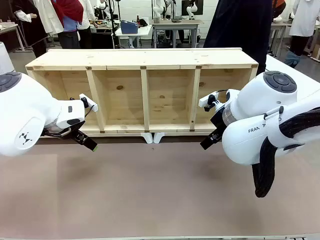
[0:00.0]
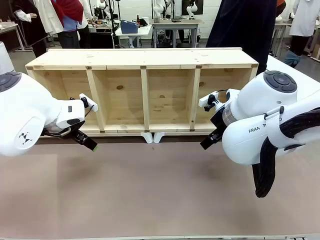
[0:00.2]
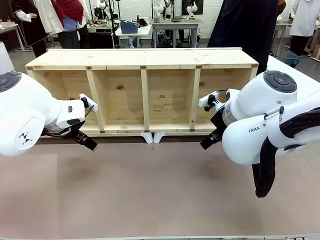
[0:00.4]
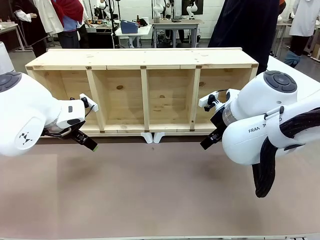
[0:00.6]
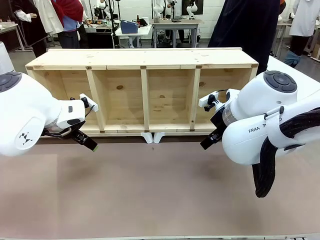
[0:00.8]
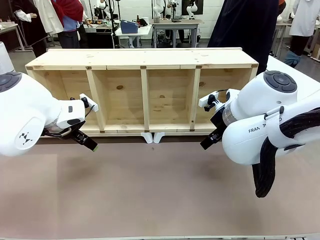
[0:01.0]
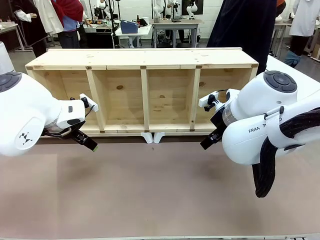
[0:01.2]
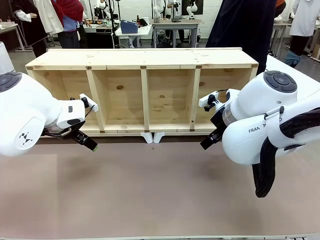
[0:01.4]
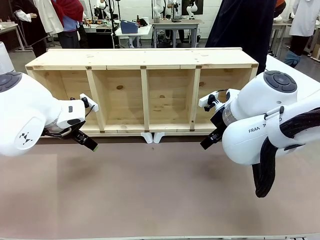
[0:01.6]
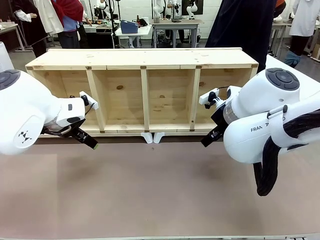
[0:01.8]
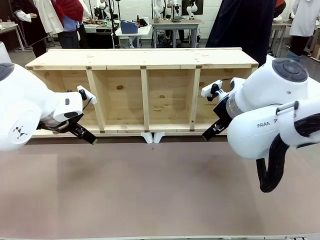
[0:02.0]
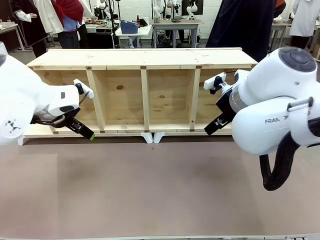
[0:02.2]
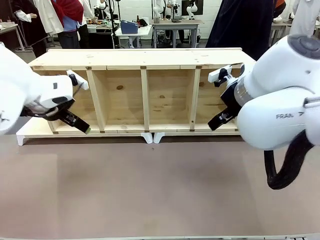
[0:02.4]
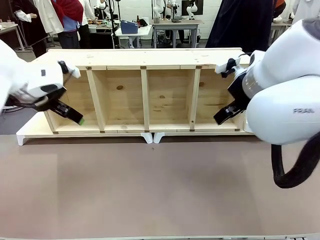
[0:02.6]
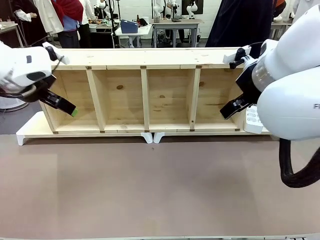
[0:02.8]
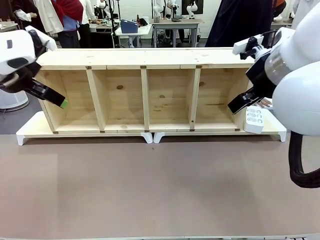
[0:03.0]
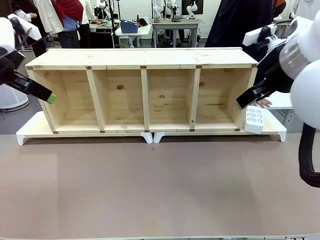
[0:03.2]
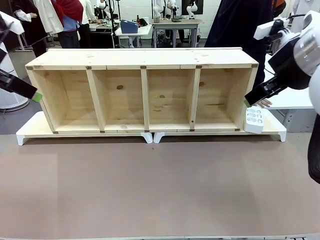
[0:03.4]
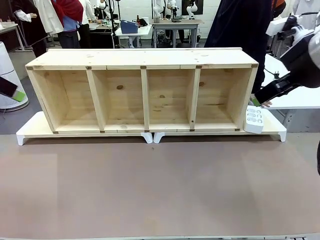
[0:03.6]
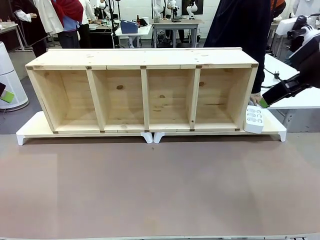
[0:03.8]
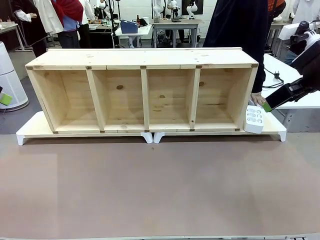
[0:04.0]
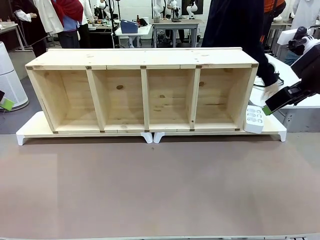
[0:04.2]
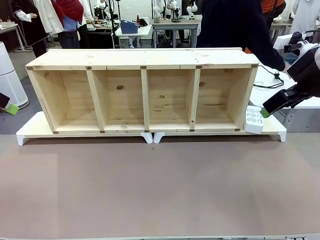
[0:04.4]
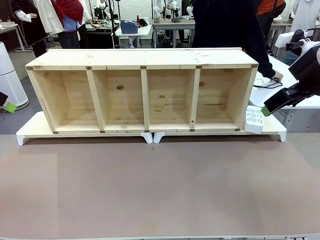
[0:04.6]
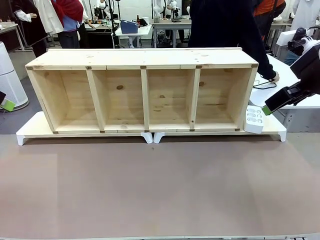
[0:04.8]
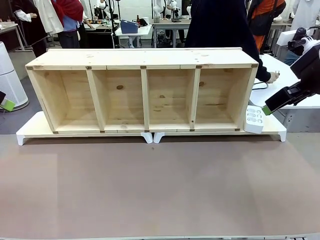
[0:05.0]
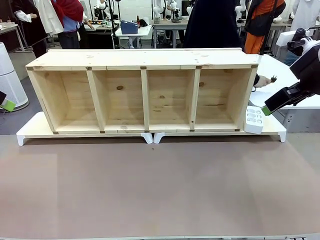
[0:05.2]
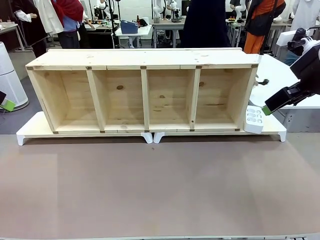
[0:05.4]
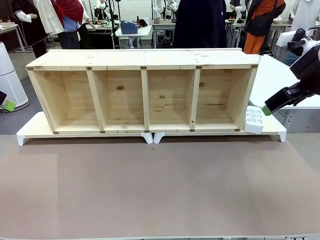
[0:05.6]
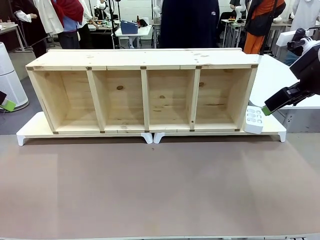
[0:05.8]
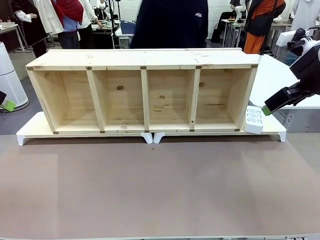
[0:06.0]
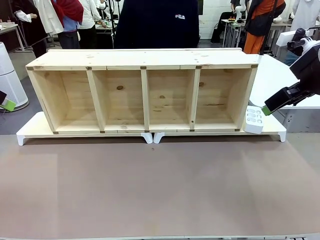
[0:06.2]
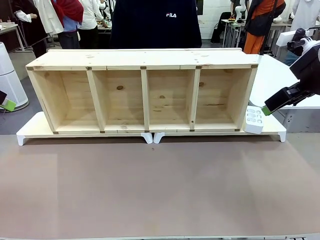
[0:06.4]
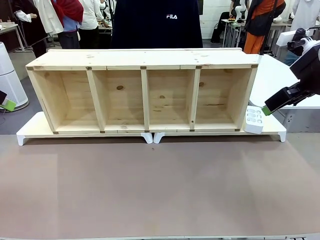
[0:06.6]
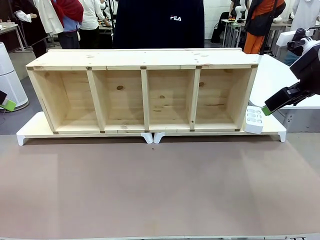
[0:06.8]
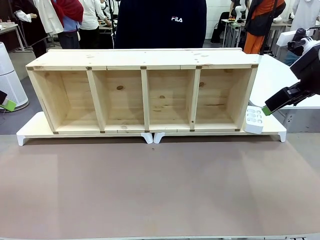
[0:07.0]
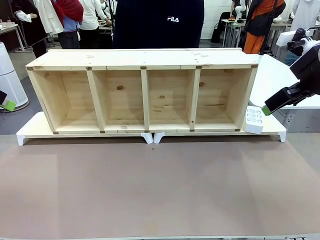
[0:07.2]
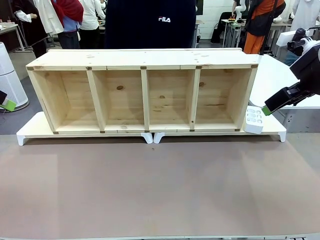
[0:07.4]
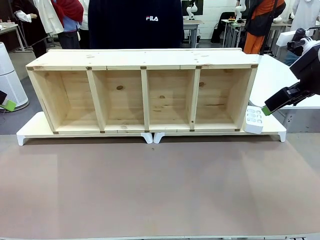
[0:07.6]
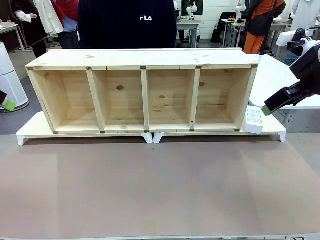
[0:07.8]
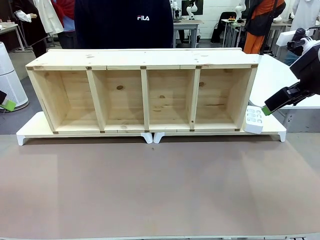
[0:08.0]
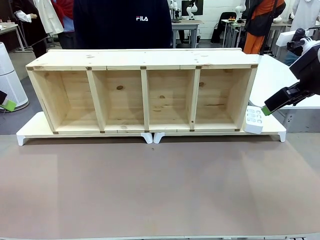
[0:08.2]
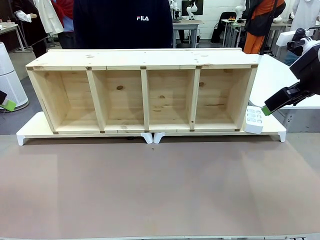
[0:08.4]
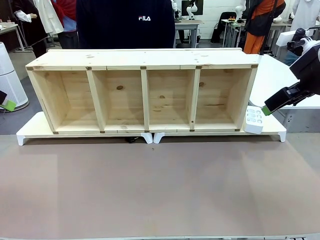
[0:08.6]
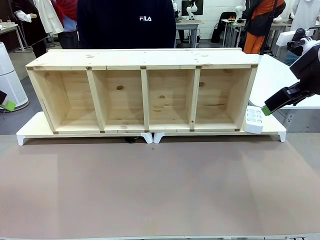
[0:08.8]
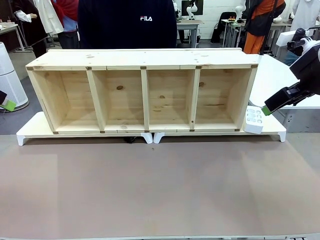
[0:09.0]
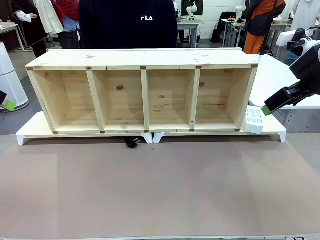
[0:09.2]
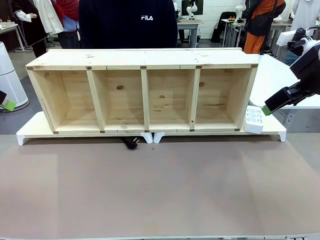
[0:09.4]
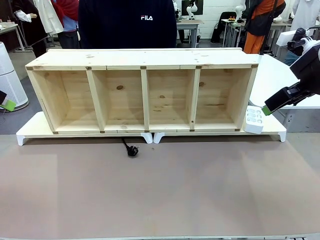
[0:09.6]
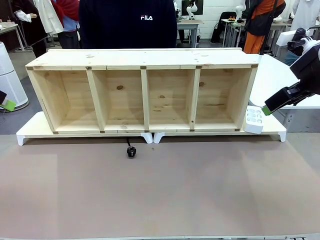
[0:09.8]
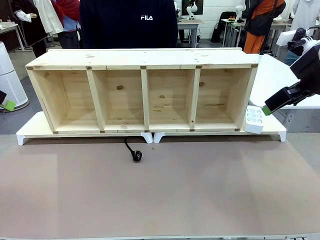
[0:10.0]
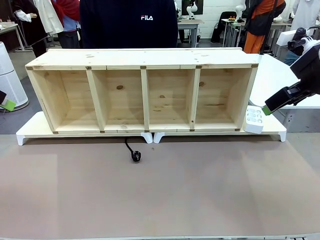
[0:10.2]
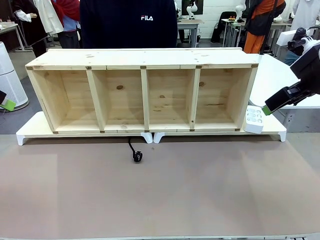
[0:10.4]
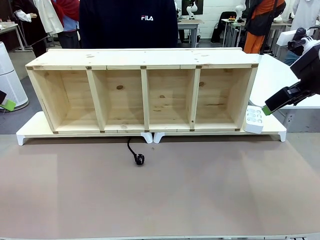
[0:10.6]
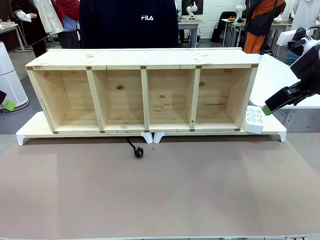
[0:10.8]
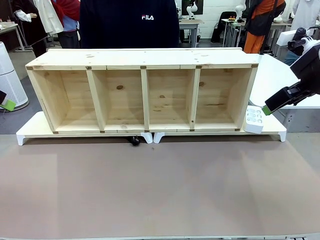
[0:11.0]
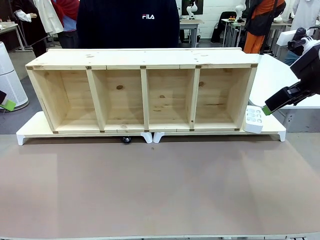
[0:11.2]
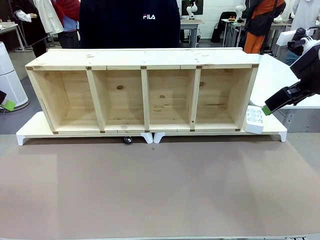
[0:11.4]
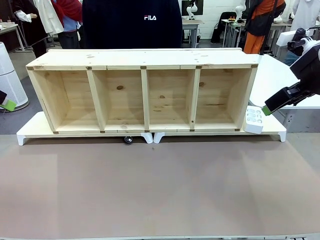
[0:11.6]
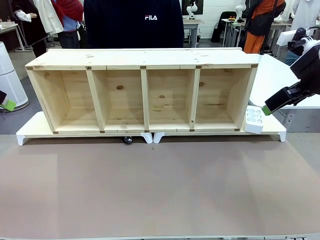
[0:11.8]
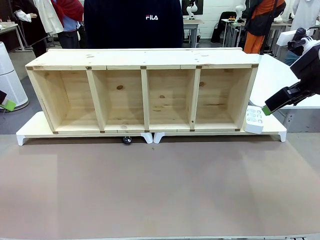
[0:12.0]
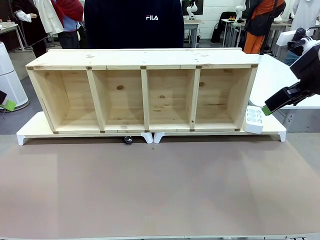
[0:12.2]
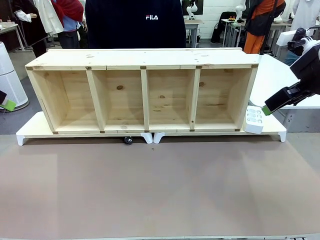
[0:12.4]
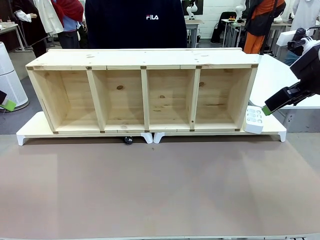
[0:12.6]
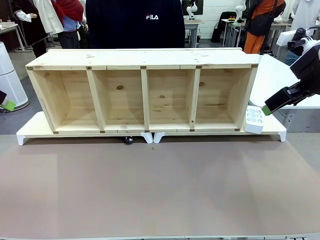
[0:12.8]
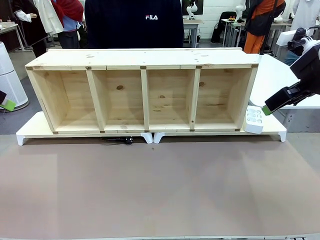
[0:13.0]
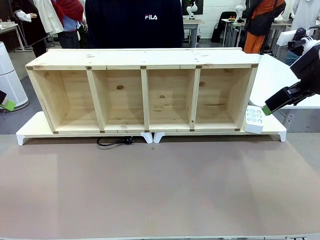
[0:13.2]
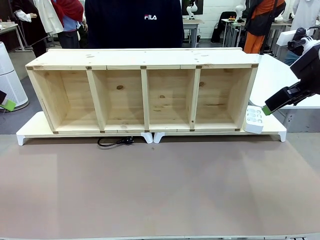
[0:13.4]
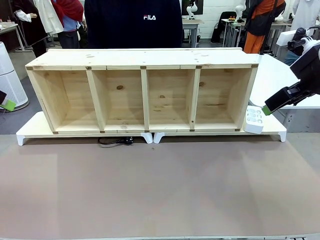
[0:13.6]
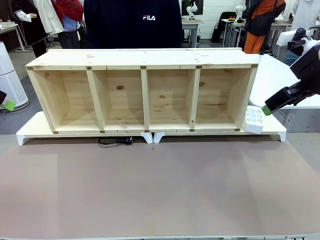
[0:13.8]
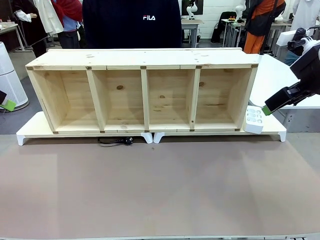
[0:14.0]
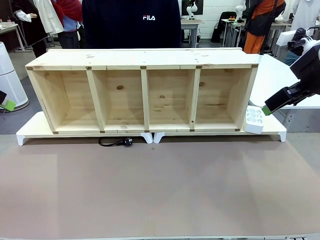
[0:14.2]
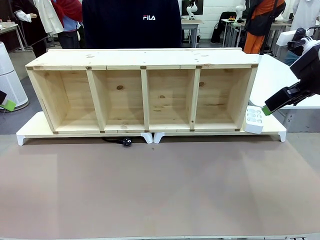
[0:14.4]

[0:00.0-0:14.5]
Task: Perform cable management.
Robot: When the cord part of the Power Cable appears at the lower middle area of the table and stops, grasp the cord part of the Power Cable.
Person: Pass the Power Cable under the Serving Table.

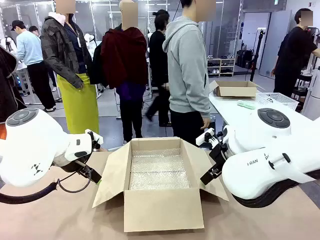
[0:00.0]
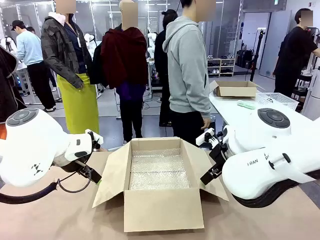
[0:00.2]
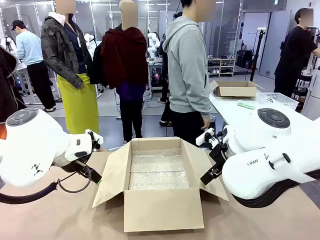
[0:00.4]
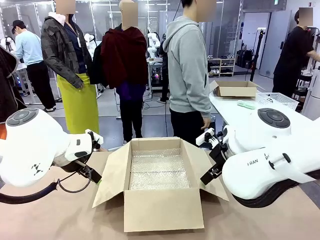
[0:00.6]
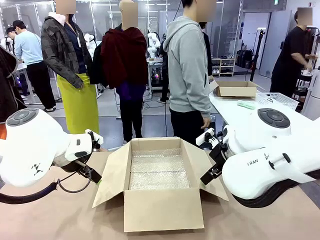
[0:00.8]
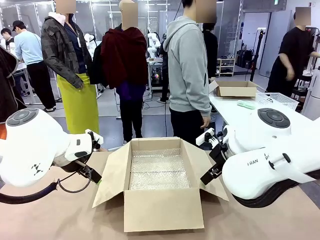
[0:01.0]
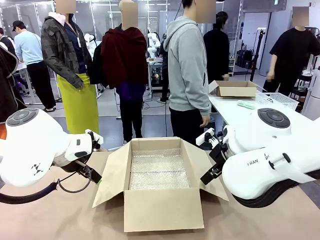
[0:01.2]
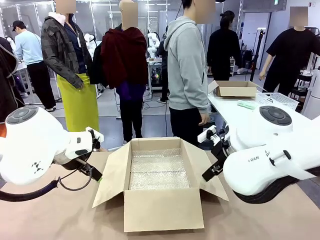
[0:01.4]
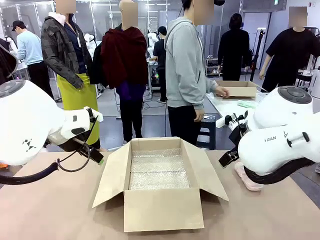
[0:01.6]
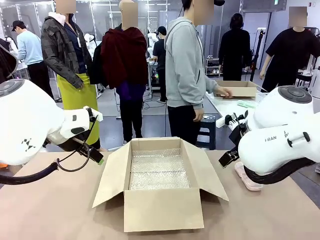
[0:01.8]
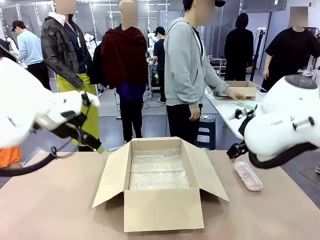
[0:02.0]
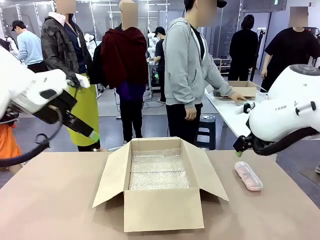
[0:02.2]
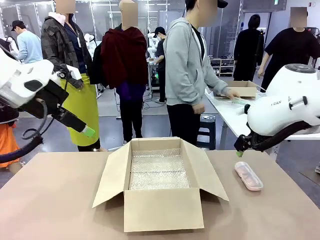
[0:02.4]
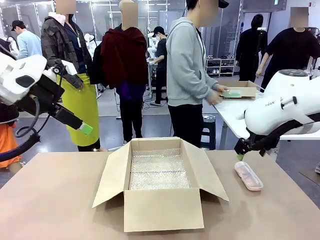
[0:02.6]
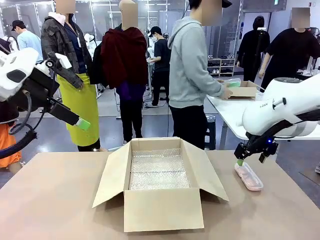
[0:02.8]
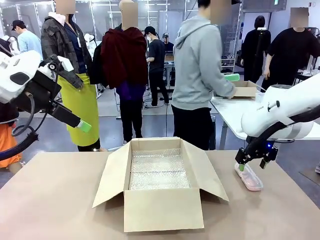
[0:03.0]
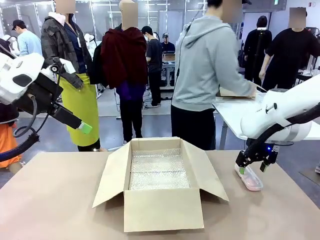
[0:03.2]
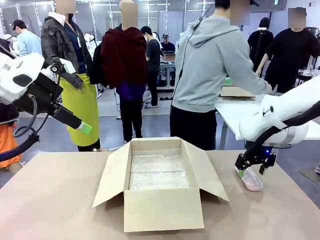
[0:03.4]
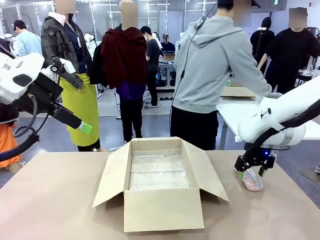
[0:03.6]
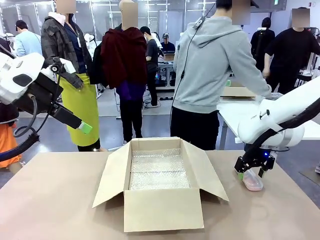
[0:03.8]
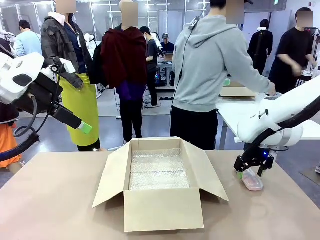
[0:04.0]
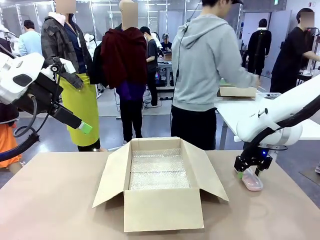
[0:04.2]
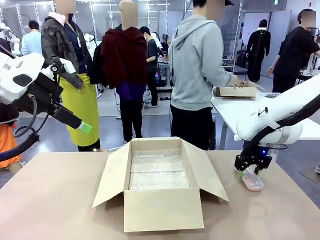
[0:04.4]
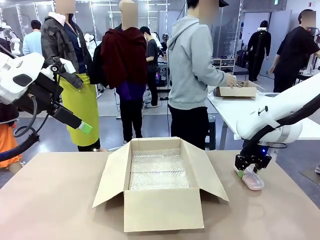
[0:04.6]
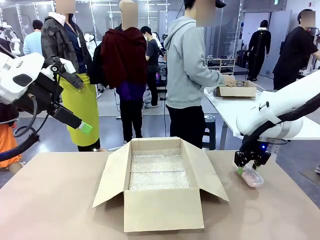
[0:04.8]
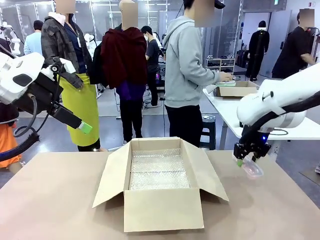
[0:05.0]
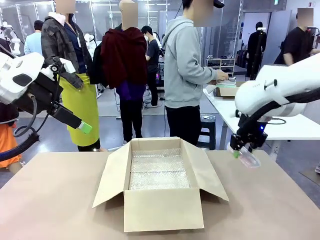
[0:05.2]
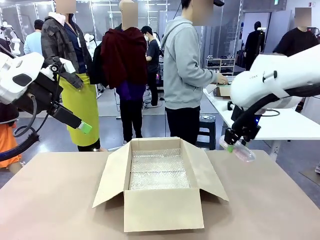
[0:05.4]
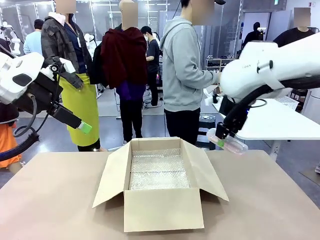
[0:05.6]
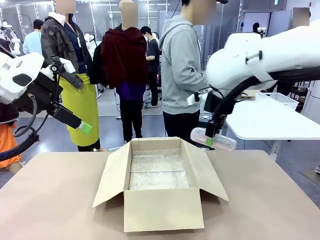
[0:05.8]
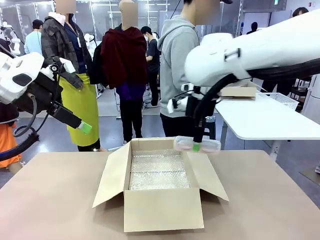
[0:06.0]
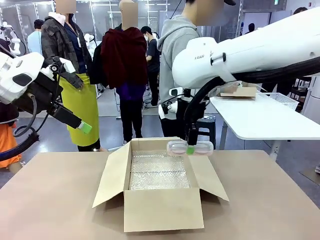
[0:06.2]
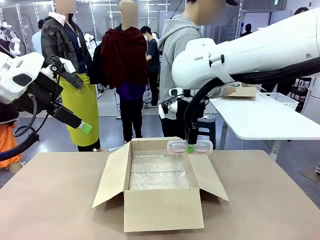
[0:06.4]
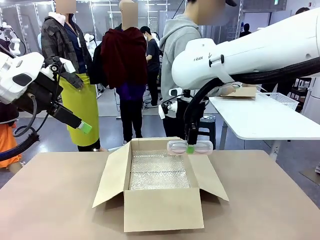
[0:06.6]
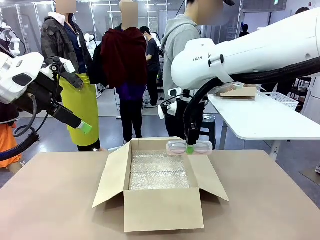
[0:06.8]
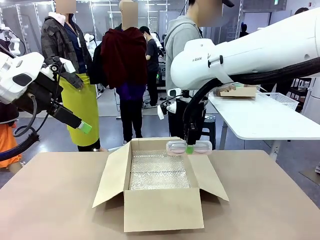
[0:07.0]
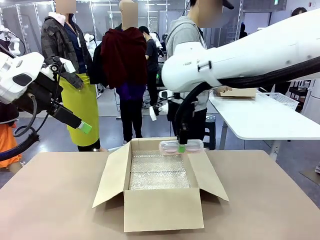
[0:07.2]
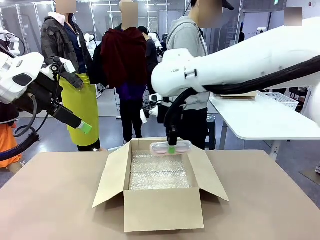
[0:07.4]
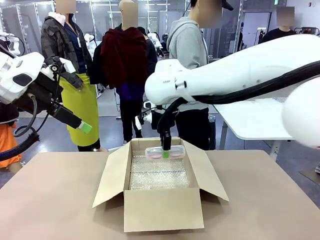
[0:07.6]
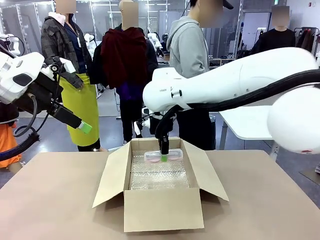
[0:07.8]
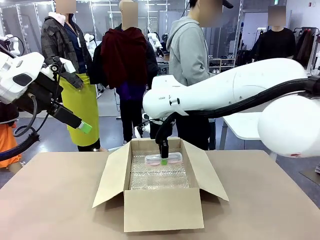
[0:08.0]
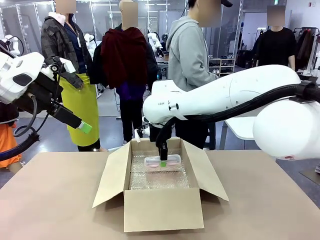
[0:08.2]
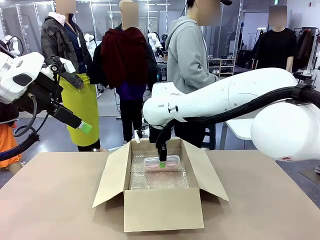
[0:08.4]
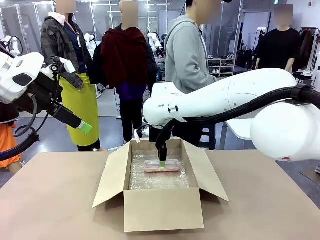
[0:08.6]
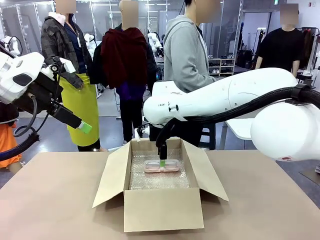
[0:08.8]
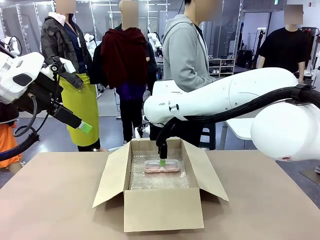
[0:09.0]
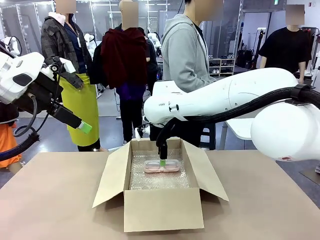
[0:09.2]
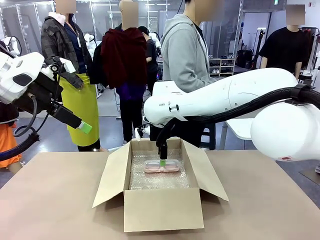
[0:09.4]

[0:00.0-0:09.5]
Task: Pack the glasses set securely to prepare it for shipping.
Robot: Place the Glasses case inside the Package Box.
Person: Place the Glasses inside the Glasses case.
